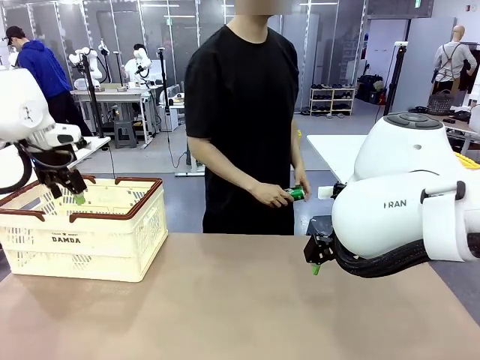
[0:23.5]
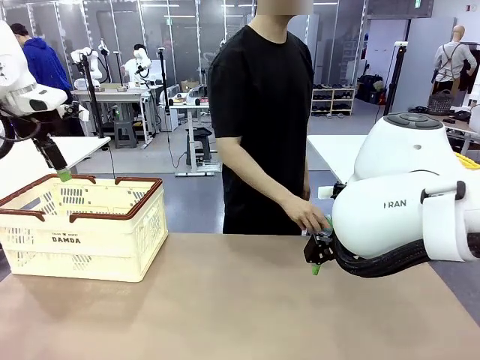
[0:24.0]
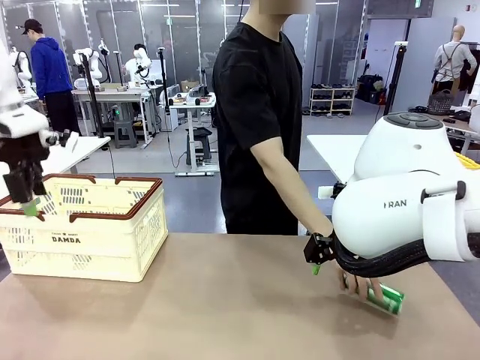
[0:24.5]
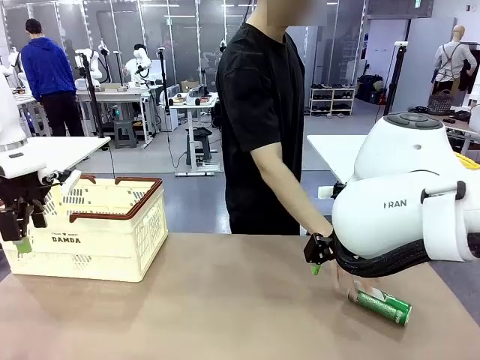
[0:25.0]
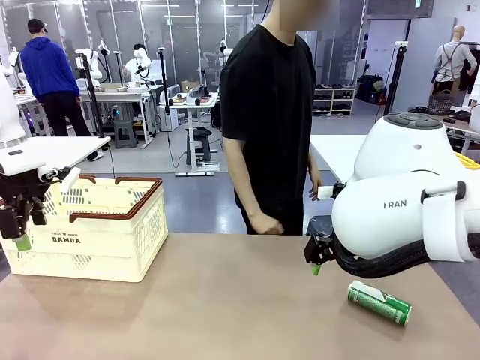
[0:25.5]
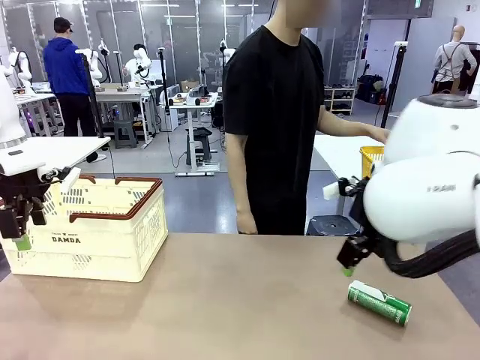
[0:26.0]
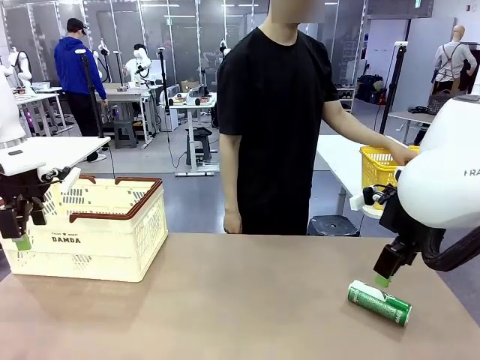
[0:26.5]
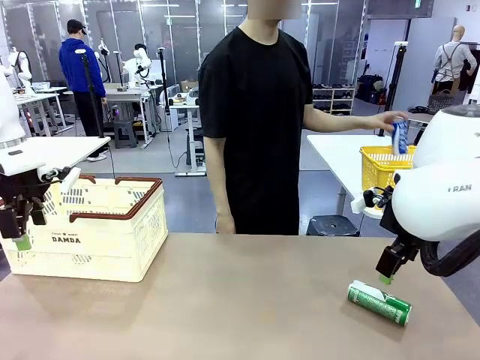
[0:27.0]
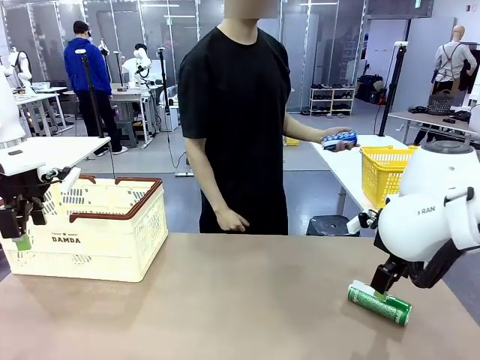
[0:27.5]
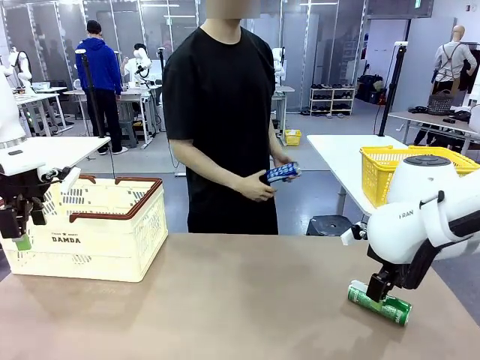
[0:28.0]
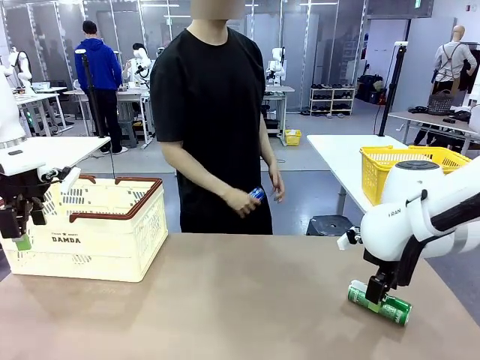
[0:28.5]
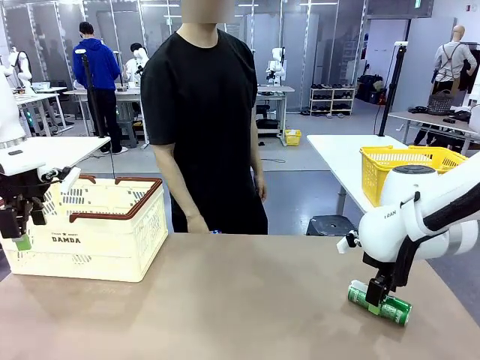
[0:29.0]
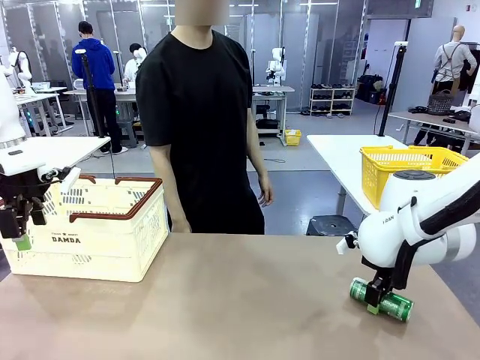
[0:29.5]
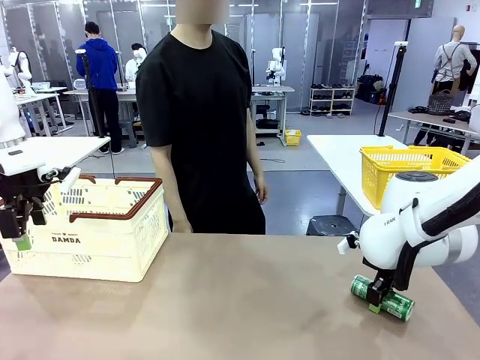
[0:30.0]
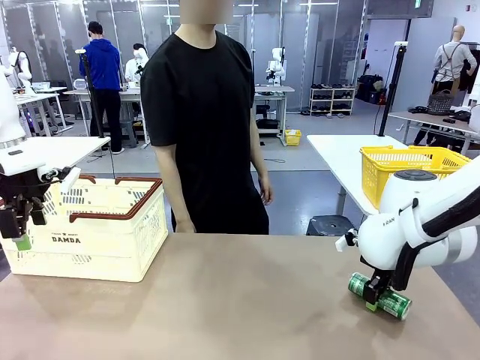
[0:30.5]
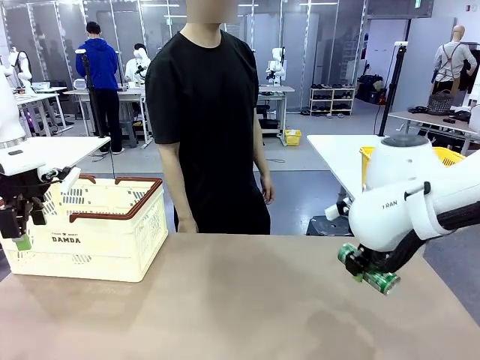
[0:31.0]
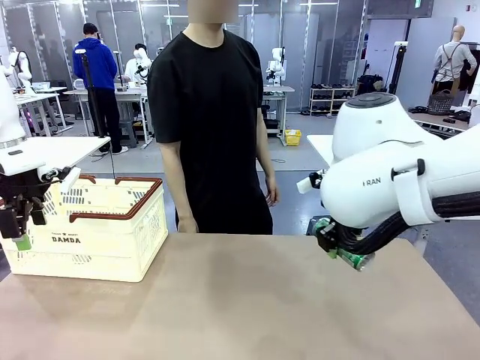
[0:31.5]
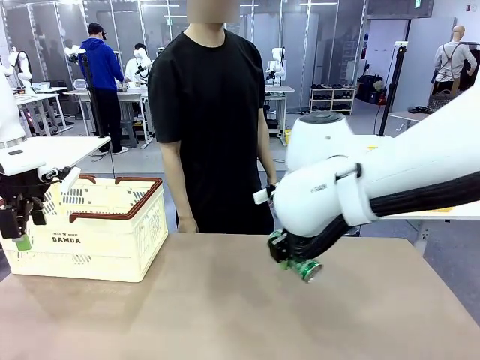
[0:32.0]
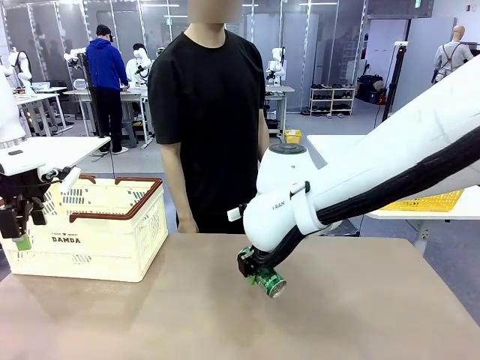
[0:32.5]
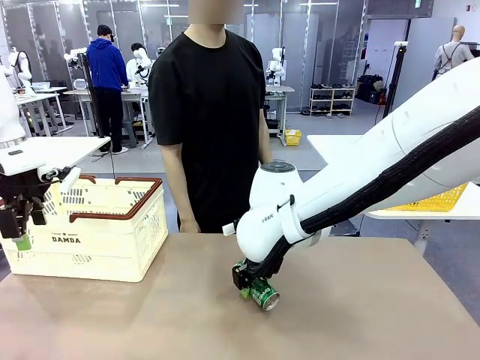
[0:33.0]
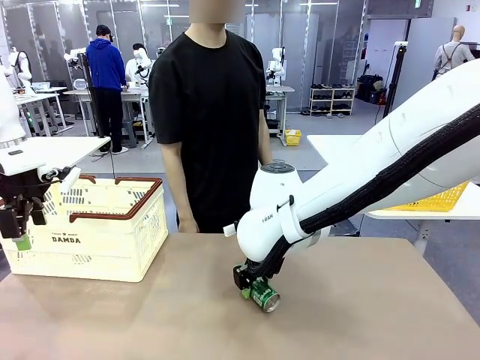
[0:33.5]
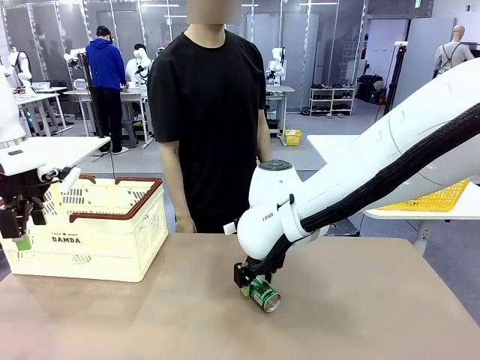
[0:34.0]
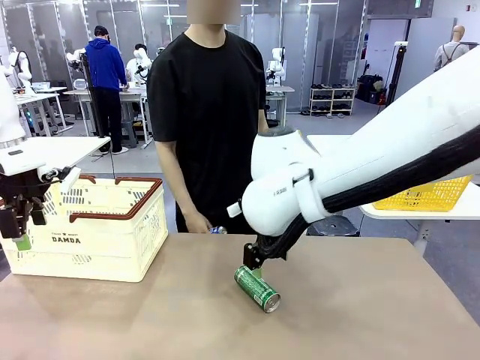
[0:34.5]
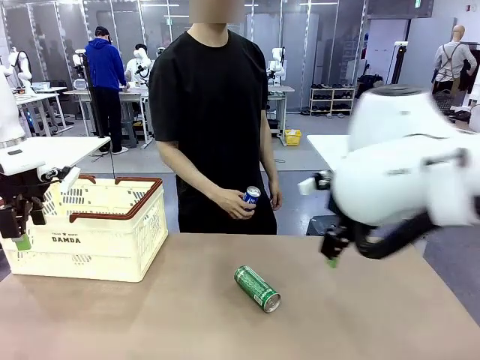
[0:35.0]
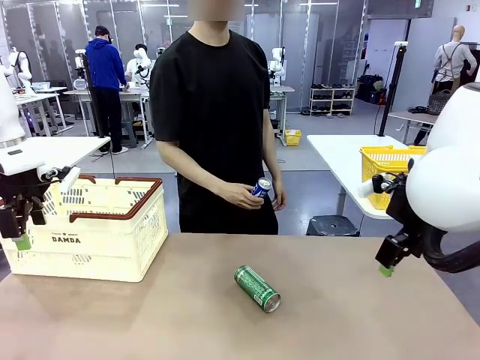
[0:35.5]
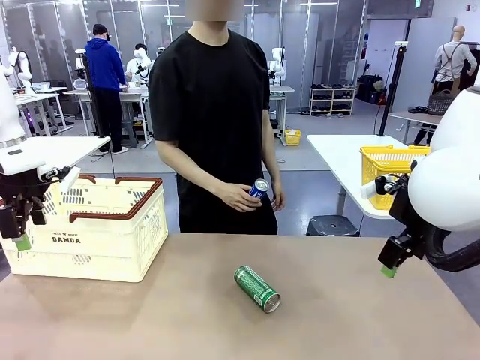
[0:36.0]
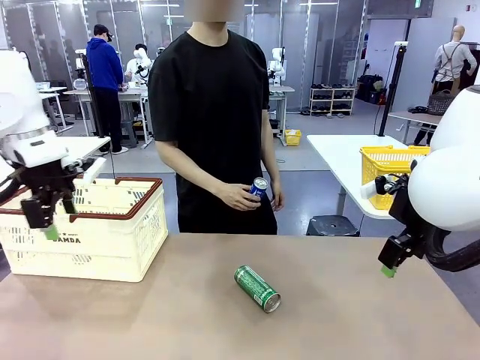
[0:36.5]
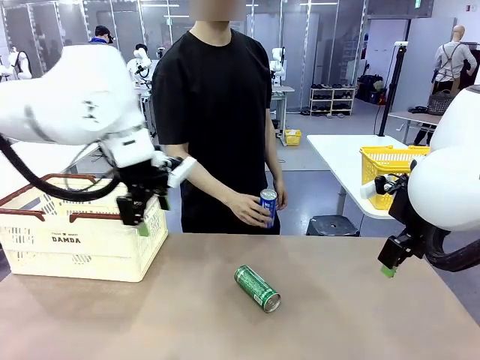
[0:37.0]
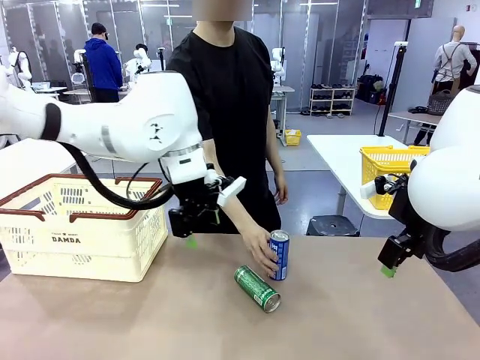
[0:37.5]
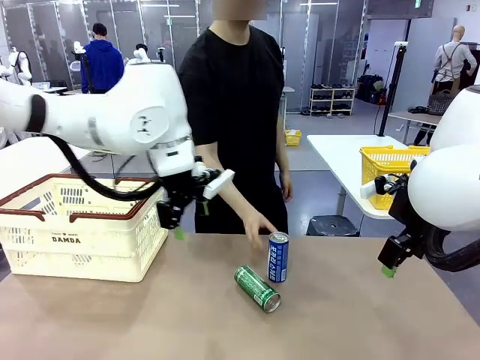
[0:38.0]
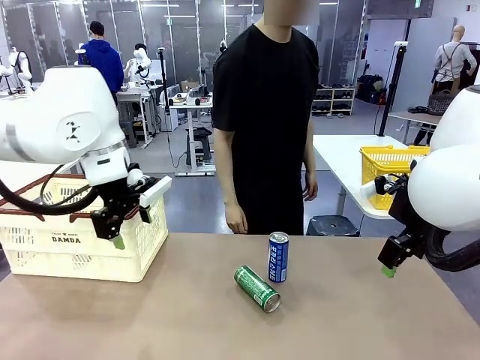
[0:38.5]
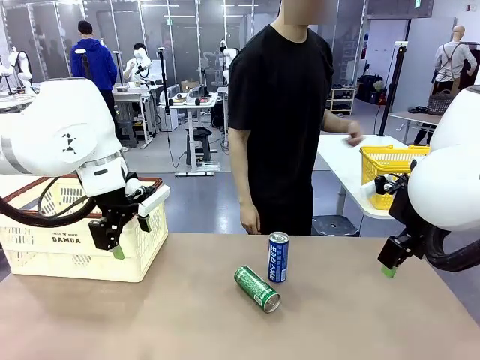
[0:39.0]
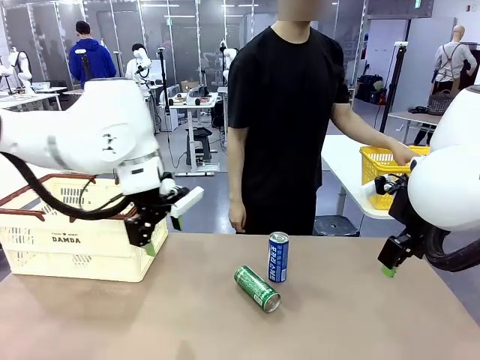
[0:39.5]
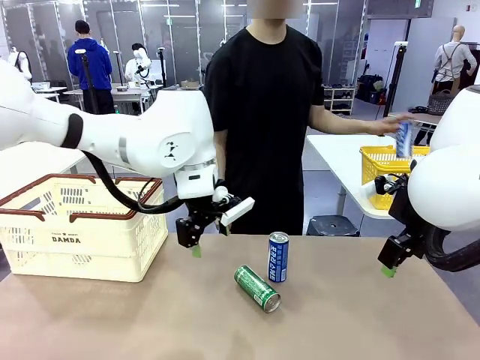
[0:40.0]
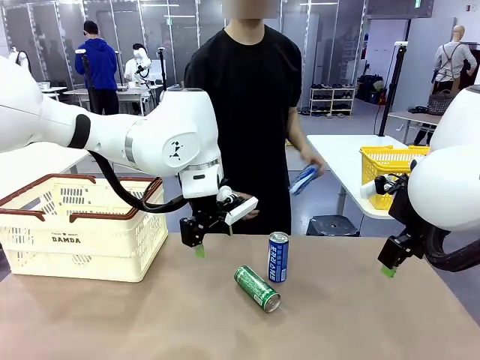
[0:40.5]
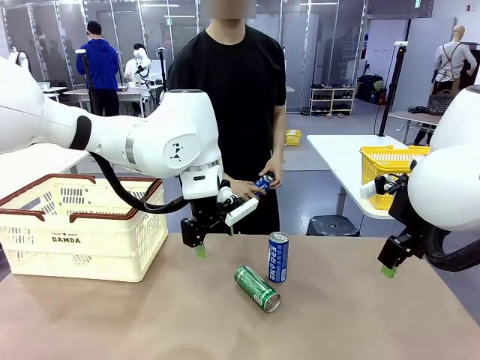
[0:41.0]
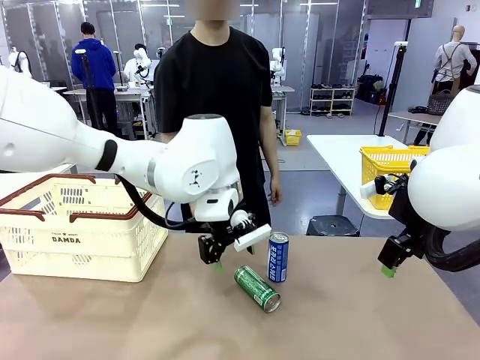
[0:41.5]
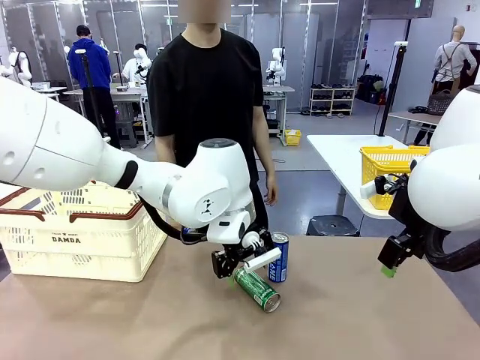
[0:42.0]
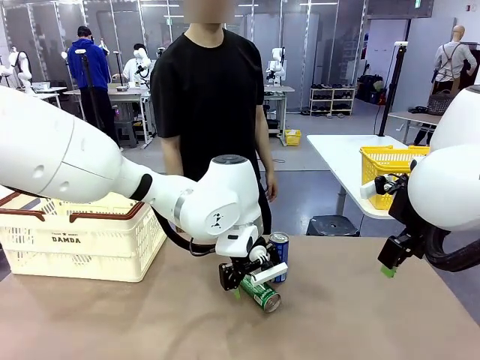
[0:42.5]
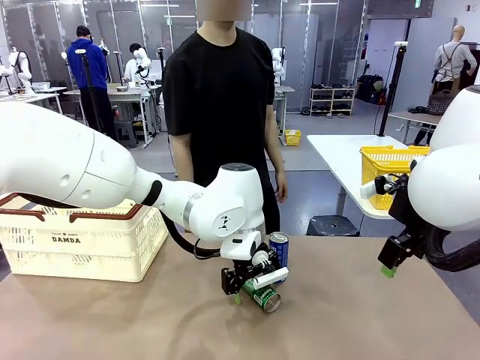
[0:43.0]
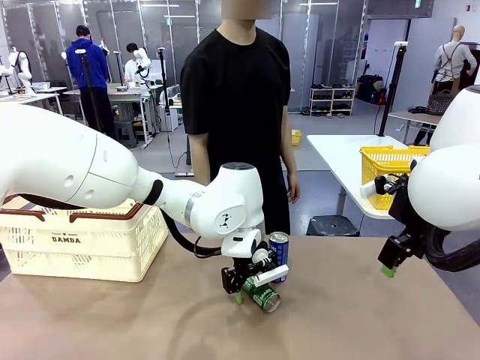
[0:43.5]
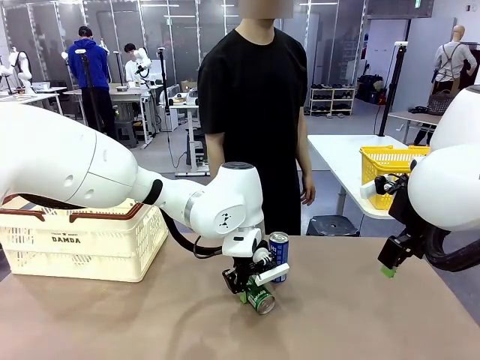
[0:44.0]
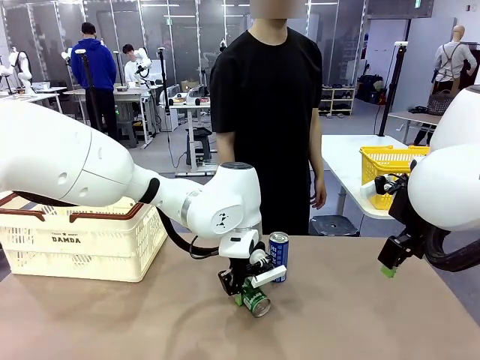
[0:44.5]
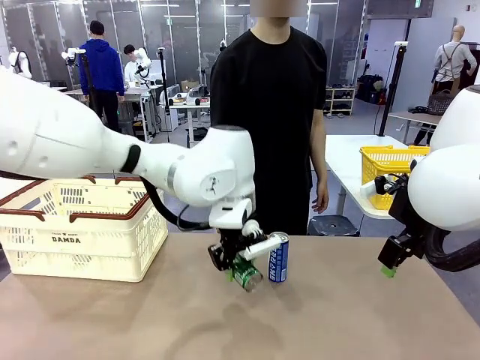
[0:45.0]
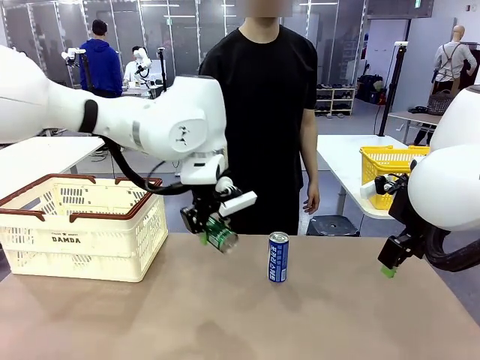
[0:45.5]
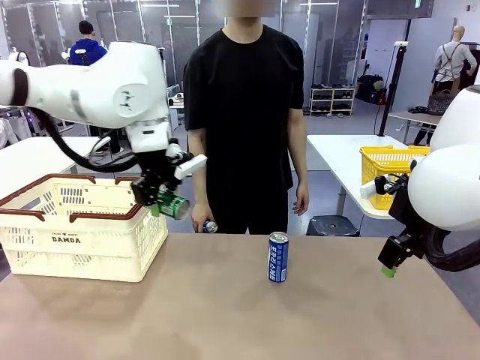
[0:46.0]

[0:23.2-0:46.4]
Task: Place the drinks into the Shopping basket.
Robot: Pick up one drink and place it into the Shopping basket.
